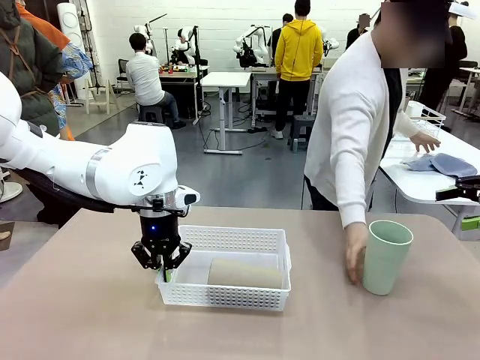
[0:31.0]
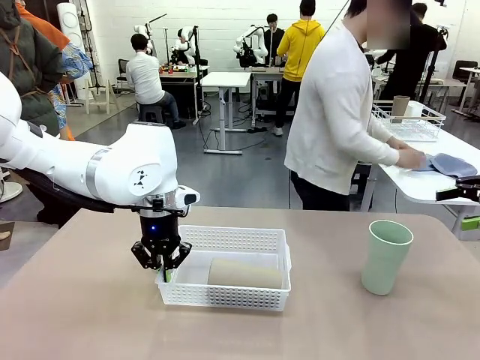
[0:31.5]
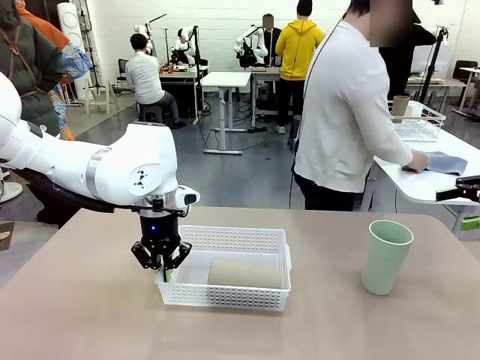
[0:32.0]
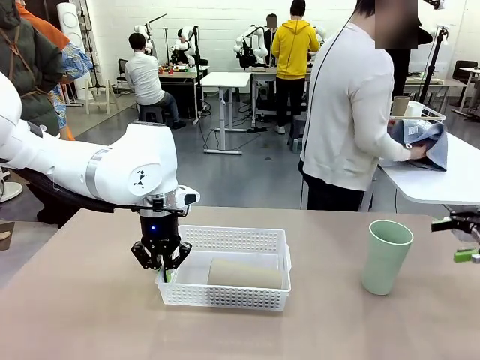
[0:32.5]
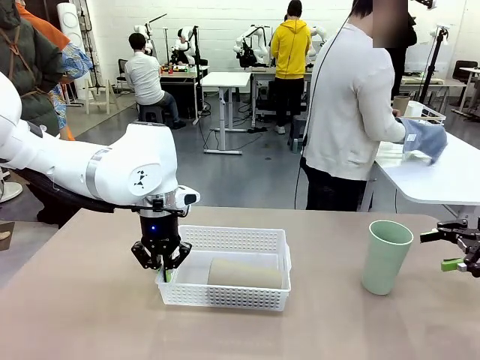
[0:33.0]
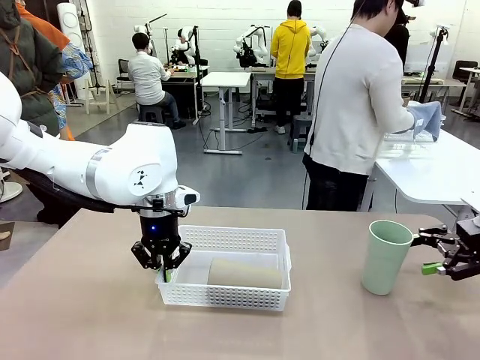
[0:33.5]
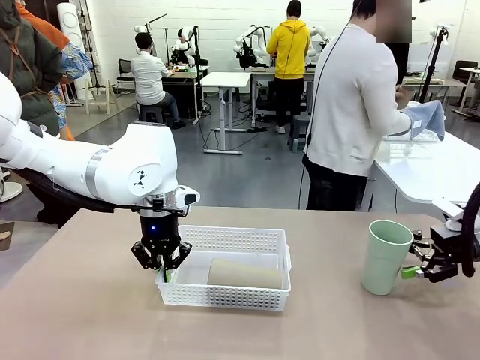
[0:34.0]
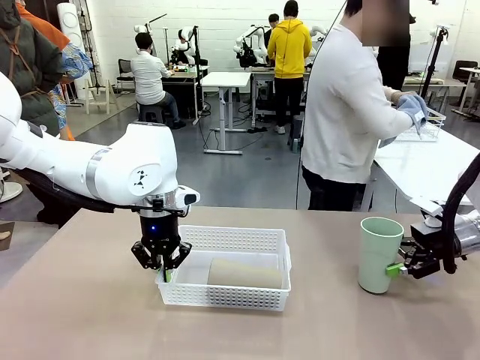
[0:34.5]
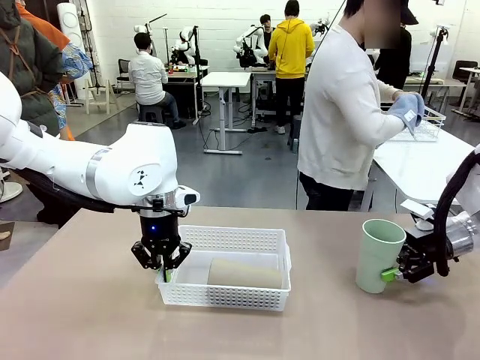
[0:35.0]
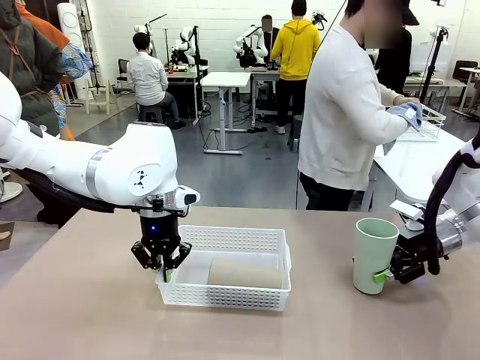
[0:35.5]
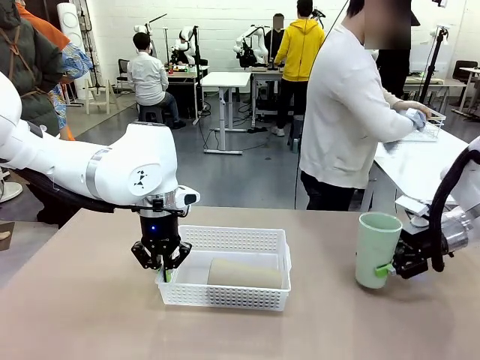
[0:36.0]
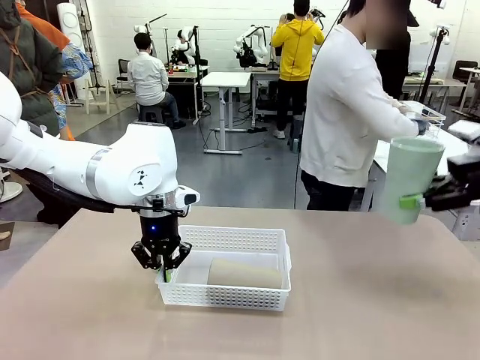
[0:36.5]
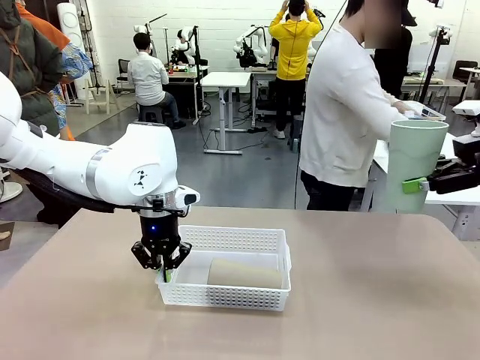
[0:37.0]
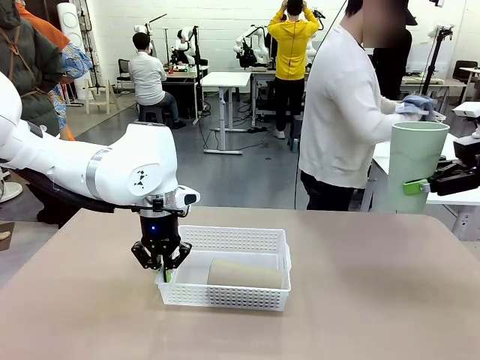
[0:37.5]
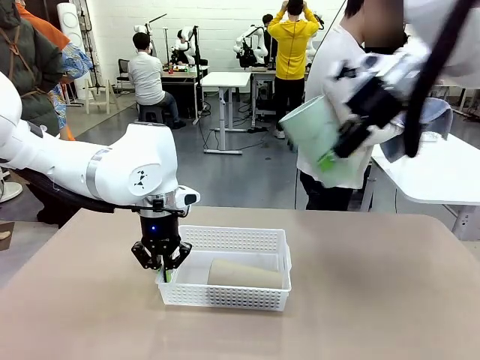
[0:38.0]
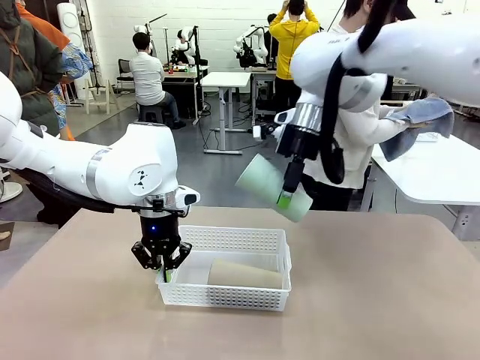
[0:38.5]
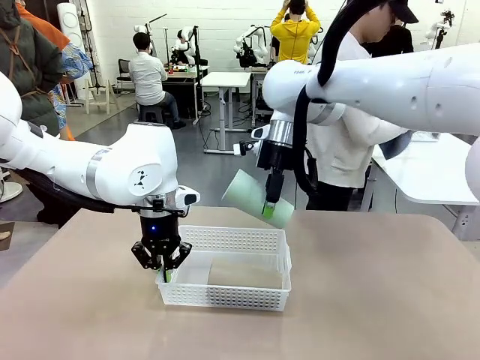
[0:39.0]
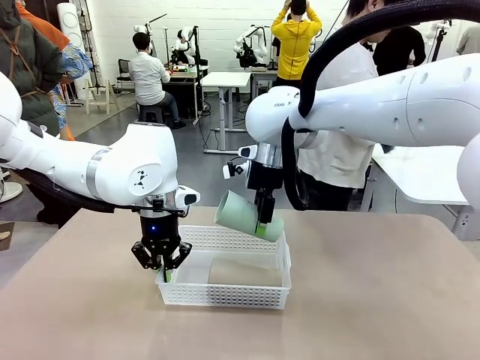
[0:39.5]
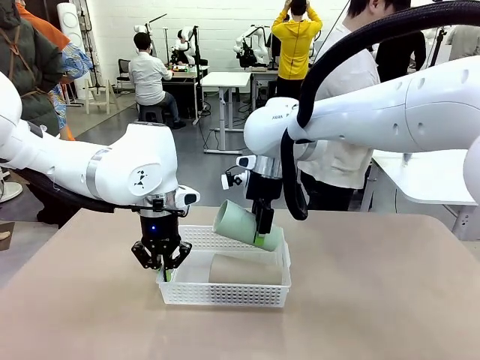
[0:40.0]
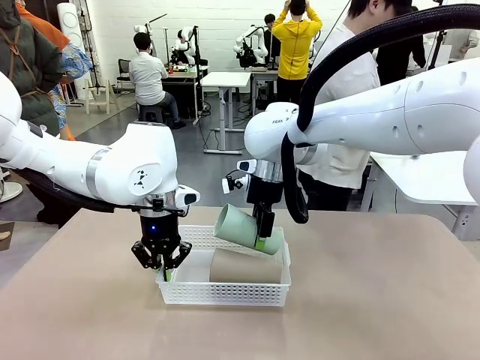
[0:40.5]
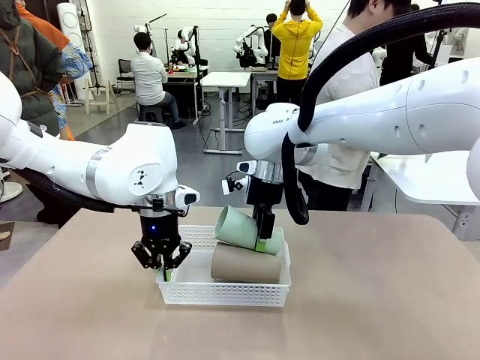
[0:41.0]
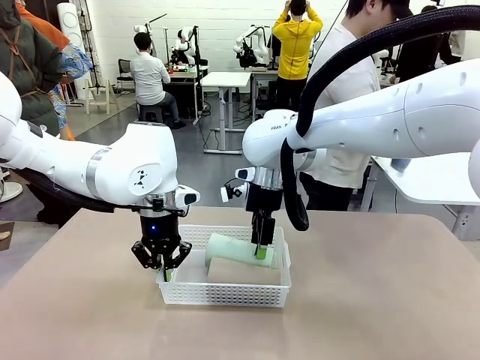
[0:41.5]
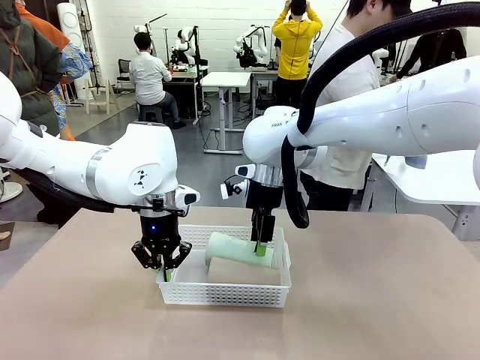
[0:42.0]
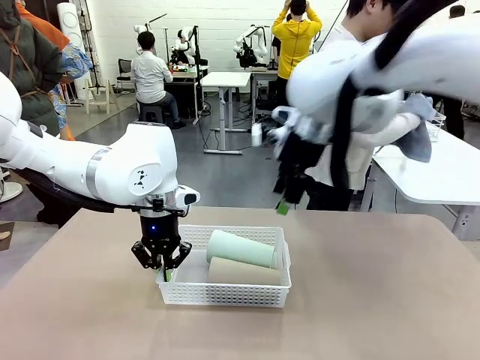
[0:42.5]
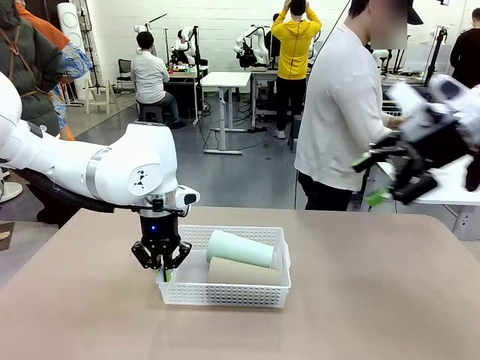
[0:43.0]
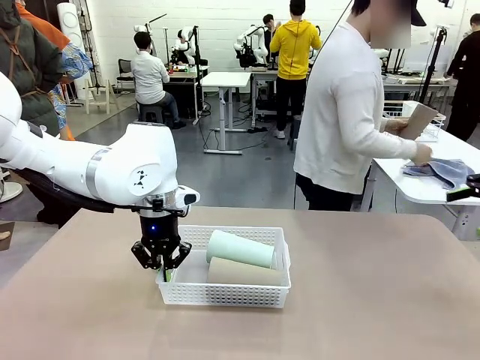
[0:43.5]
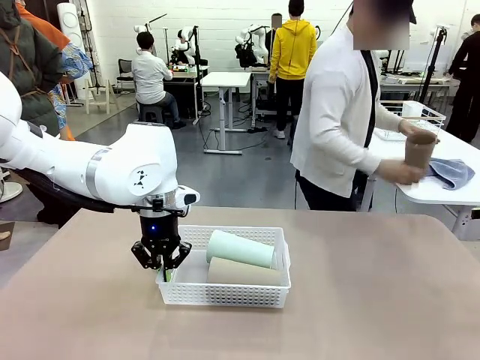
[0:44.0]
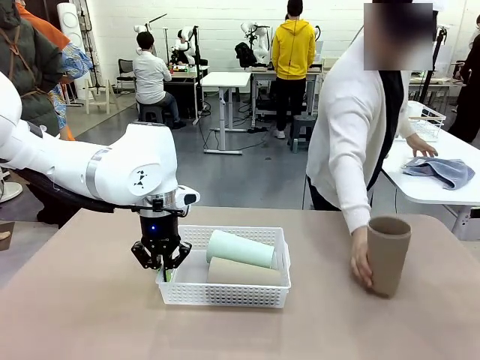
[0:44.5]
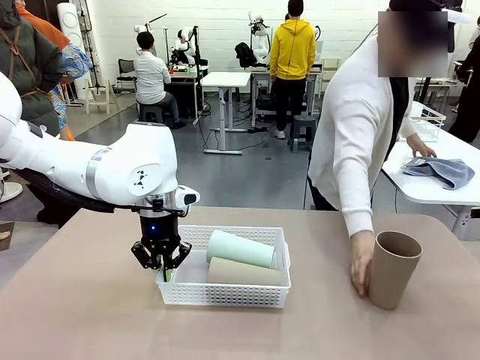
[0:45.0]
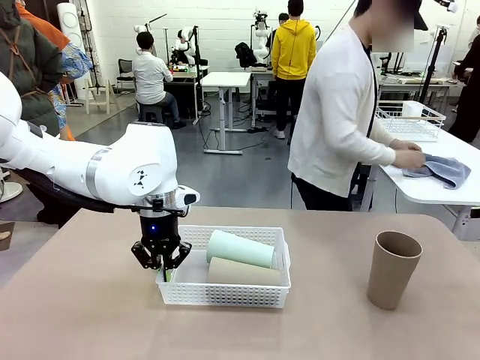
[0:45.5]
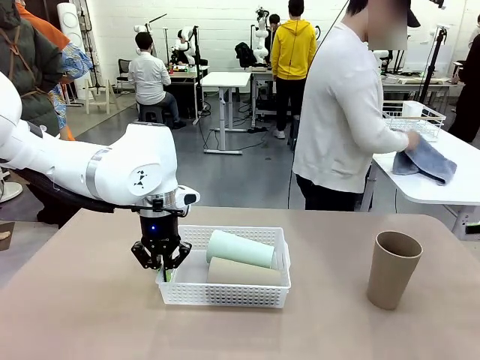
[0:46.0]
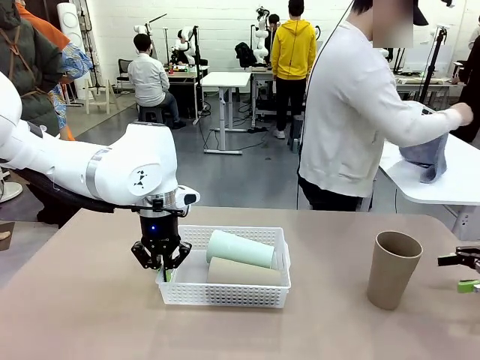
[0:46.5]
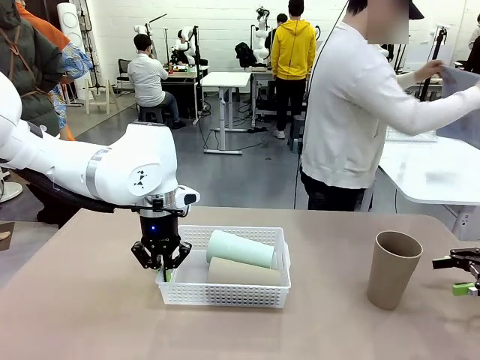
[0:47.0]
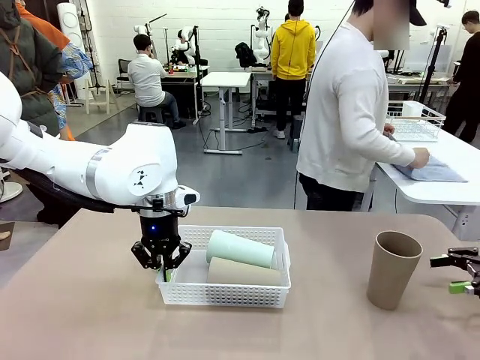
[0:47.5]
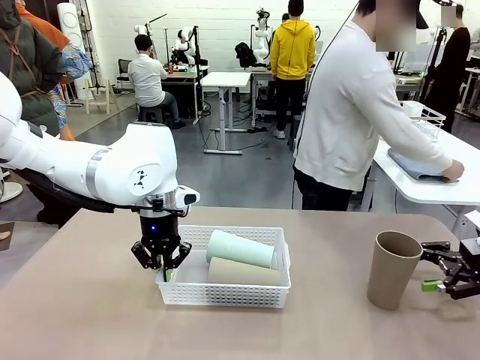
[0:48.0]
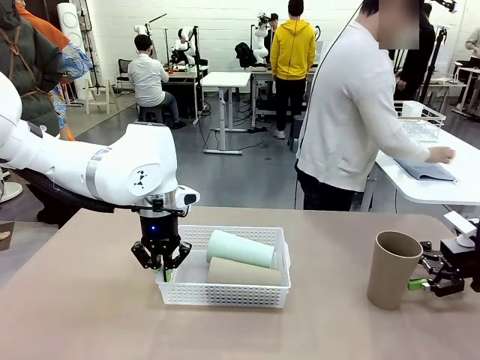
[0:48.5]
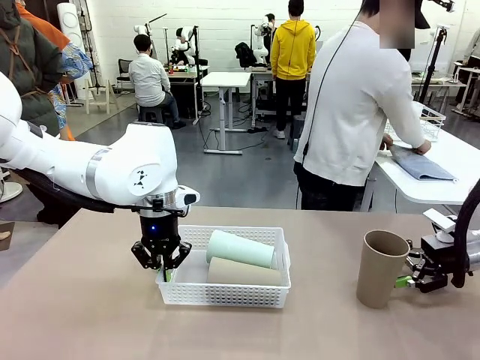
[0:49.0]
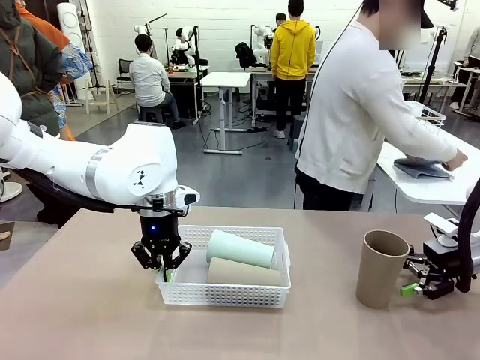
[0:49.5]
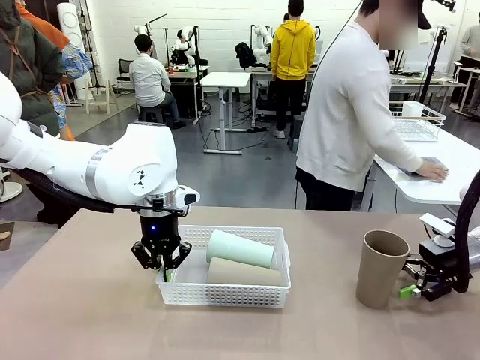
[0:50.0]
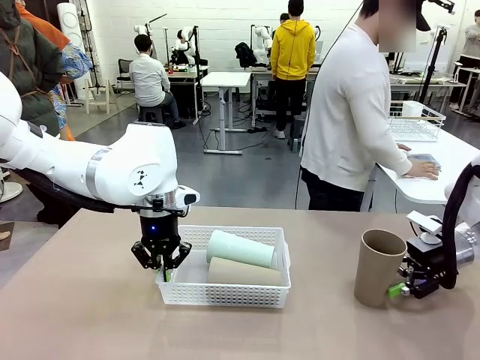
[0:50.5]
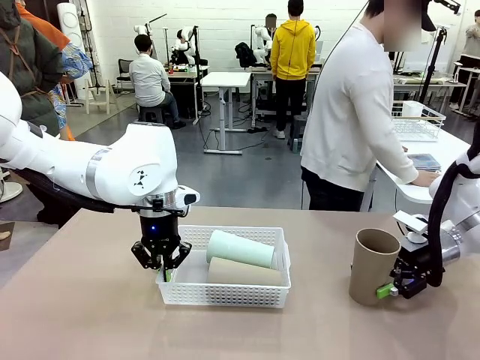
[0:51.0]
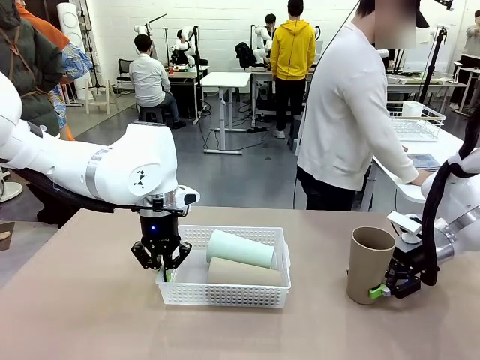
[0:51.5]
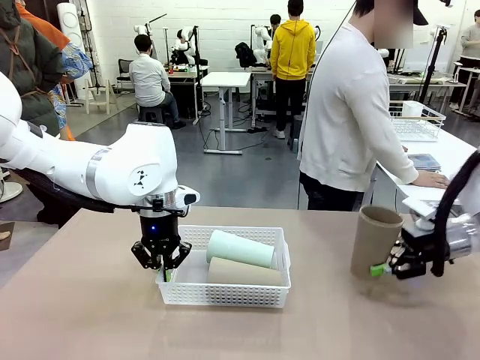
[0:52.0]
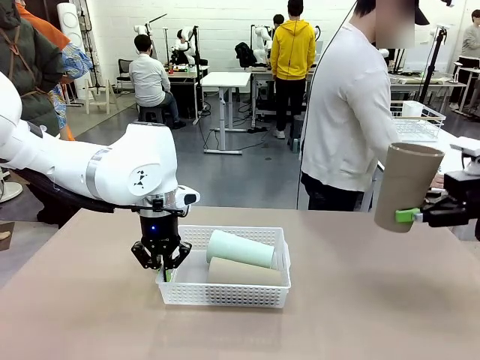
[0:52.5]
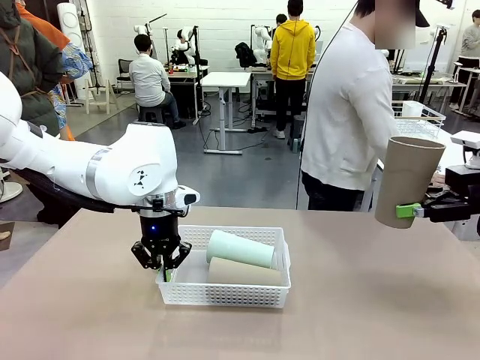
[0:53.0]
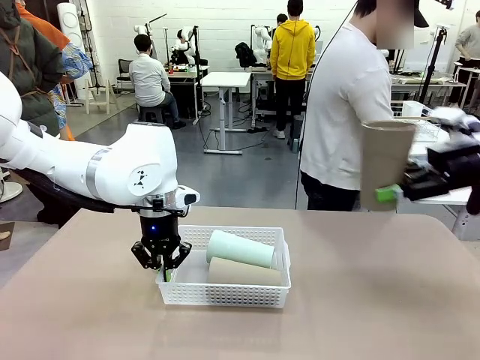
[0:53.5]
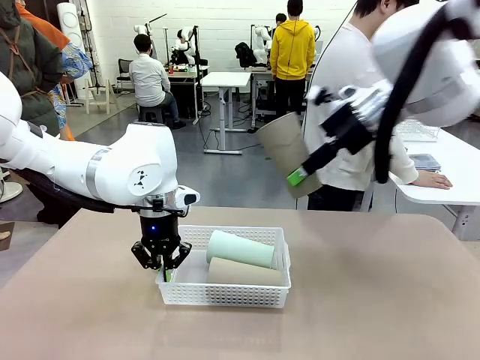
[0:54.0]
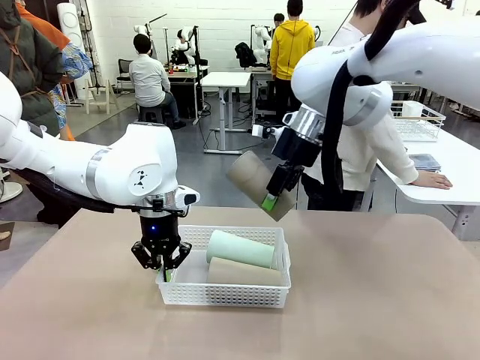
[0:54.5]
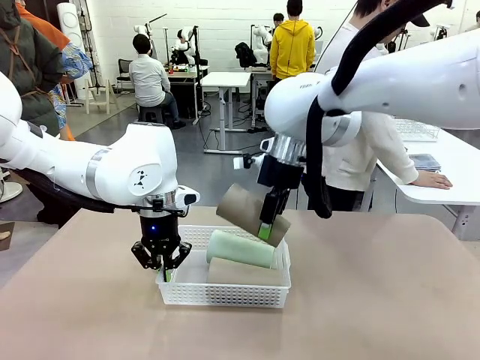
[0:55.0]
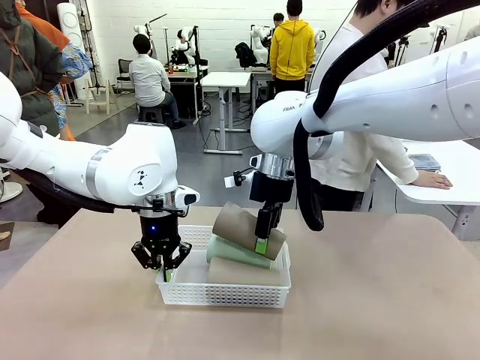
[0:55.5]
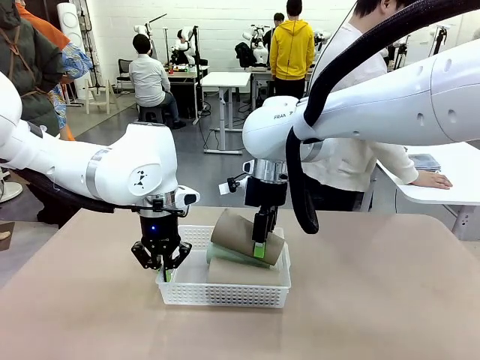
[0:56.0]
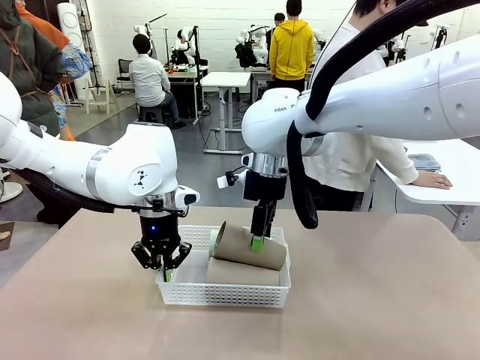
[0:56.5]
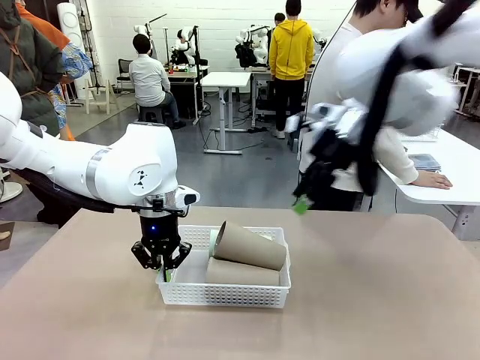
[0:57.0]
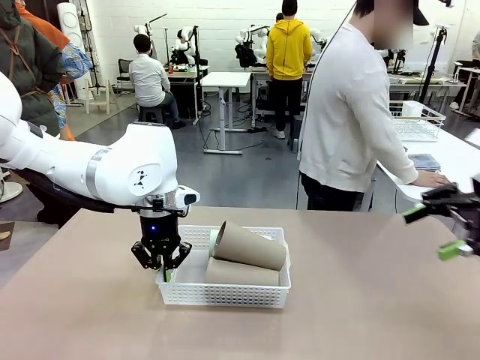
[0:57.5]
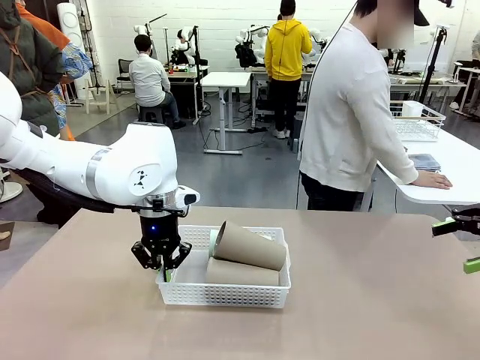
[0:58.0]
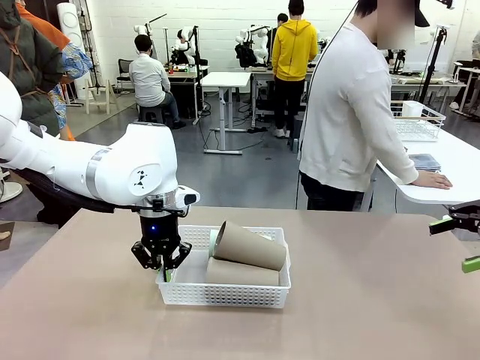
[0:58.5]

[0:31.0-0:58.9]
Task: Clean and organize the cups into the basket.
Robot: Pick up the Reusable plastic cup from the right side of the table and stack it inside the Organizing basket in the center of the table.
